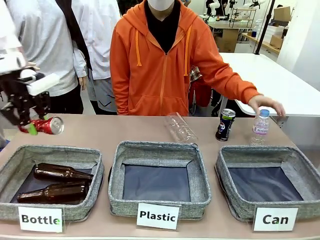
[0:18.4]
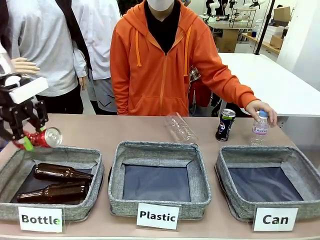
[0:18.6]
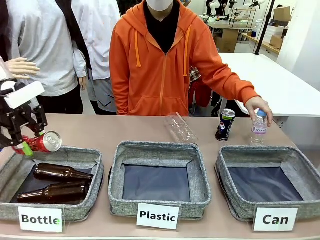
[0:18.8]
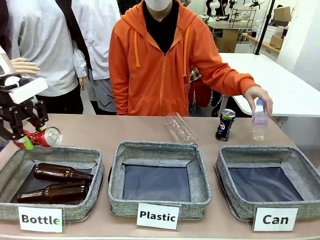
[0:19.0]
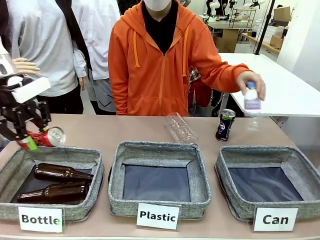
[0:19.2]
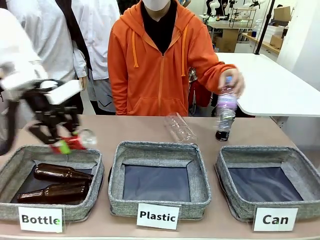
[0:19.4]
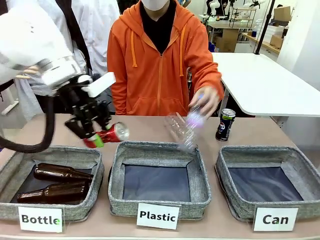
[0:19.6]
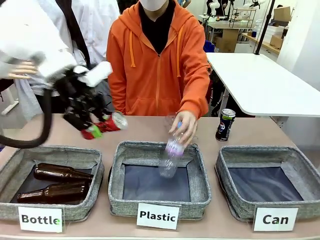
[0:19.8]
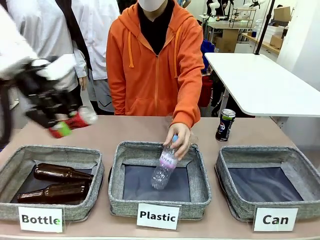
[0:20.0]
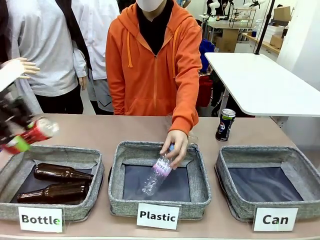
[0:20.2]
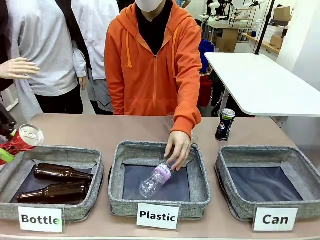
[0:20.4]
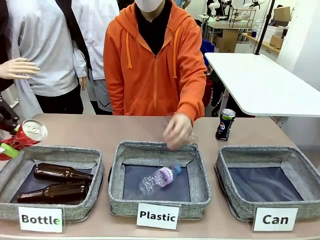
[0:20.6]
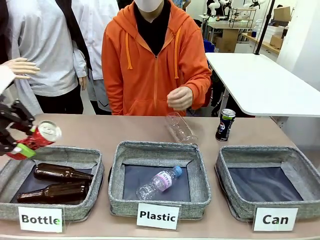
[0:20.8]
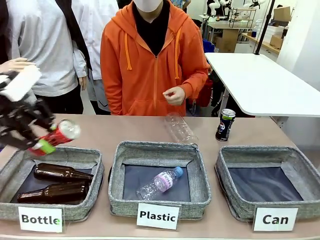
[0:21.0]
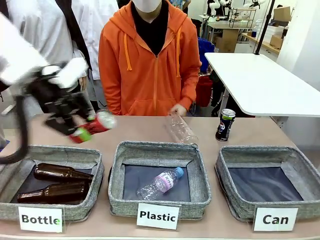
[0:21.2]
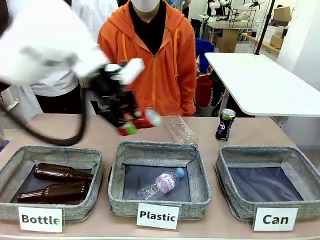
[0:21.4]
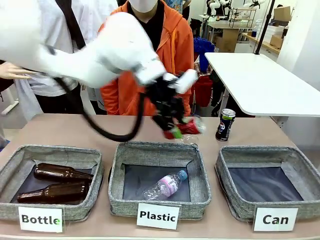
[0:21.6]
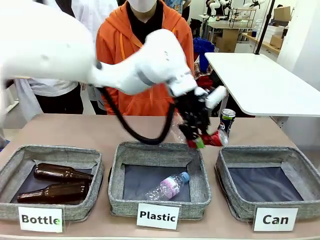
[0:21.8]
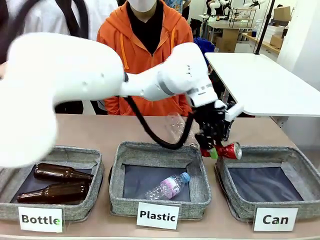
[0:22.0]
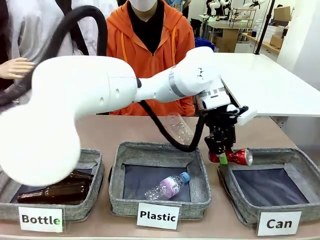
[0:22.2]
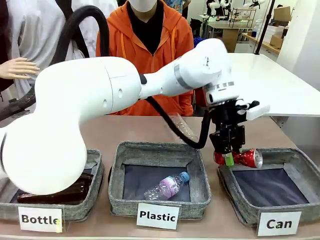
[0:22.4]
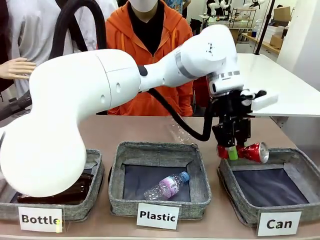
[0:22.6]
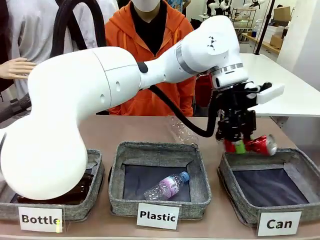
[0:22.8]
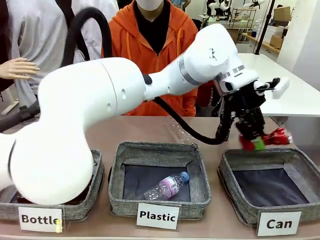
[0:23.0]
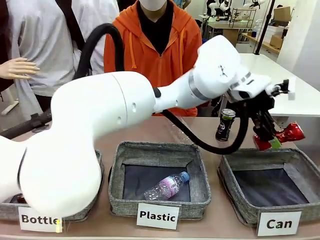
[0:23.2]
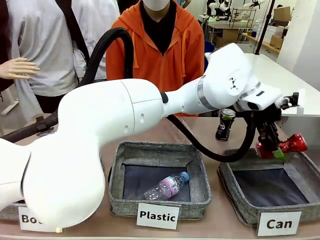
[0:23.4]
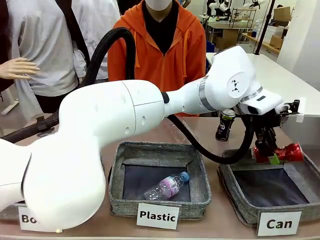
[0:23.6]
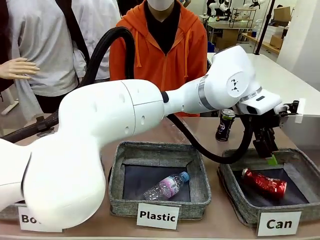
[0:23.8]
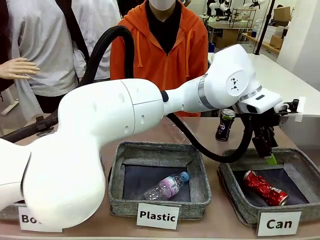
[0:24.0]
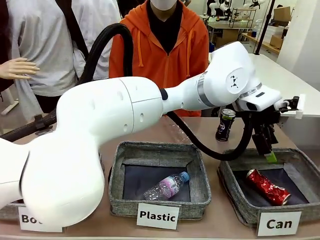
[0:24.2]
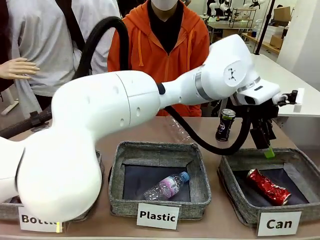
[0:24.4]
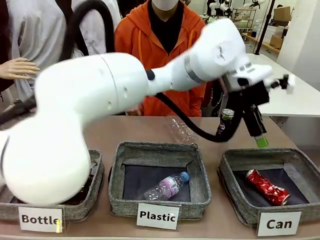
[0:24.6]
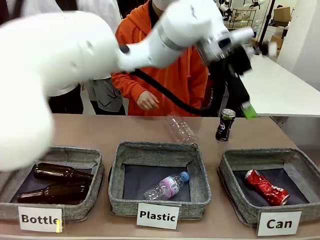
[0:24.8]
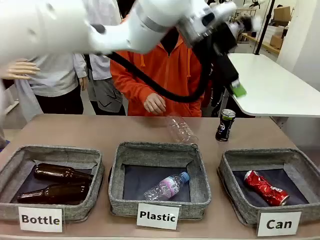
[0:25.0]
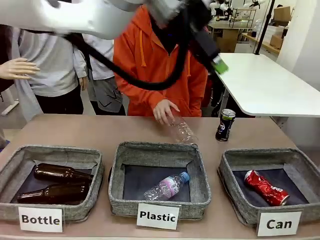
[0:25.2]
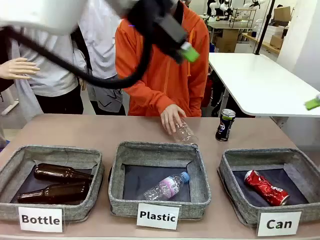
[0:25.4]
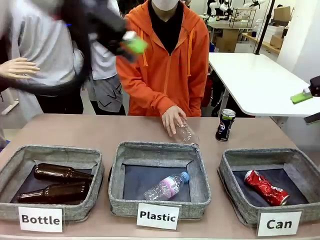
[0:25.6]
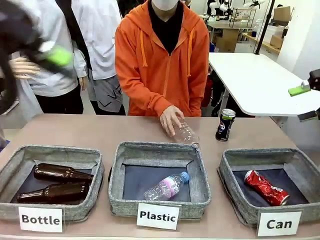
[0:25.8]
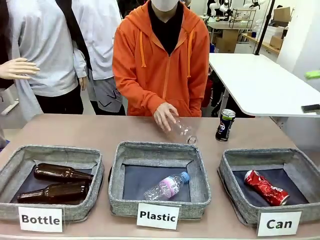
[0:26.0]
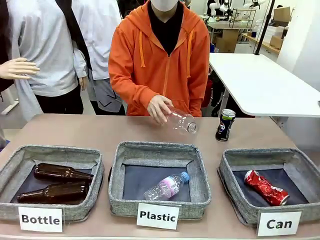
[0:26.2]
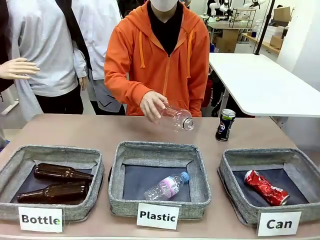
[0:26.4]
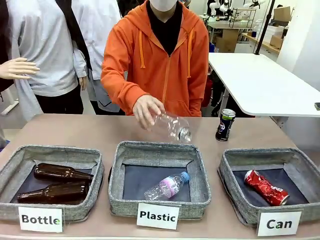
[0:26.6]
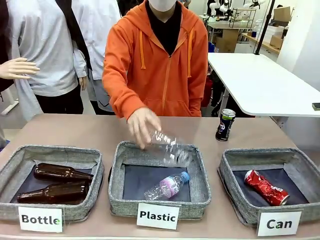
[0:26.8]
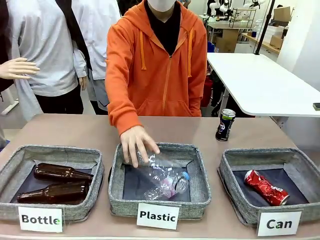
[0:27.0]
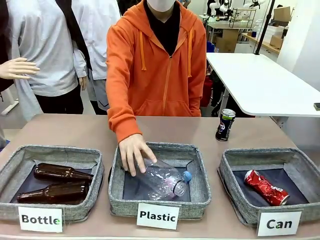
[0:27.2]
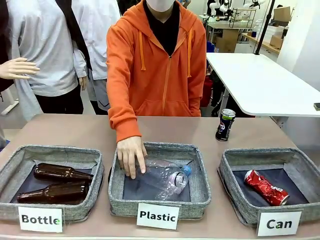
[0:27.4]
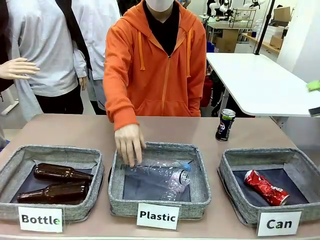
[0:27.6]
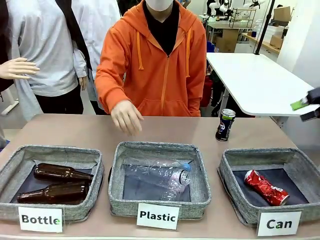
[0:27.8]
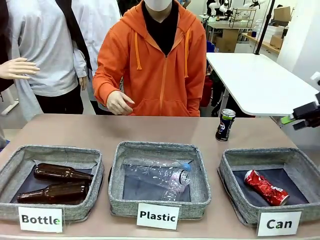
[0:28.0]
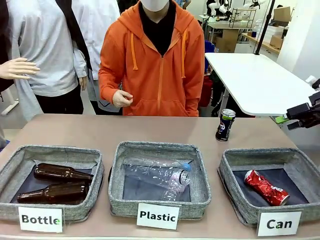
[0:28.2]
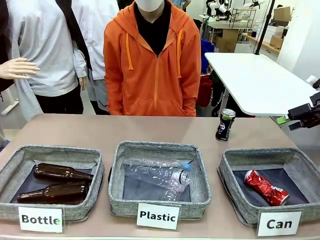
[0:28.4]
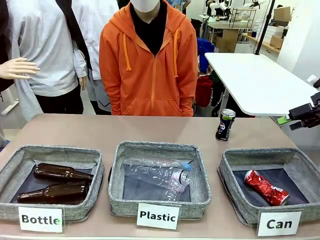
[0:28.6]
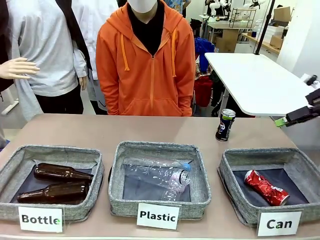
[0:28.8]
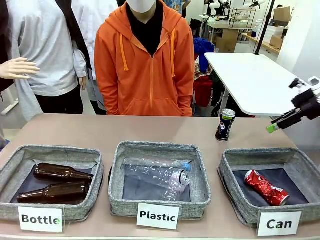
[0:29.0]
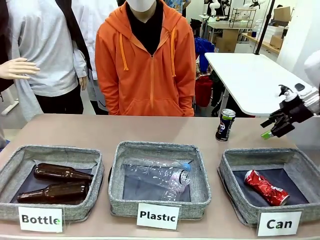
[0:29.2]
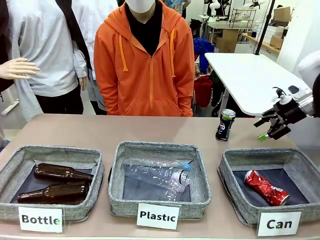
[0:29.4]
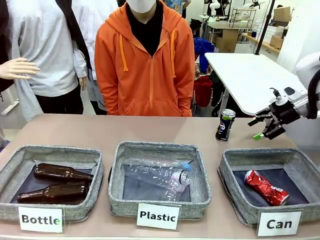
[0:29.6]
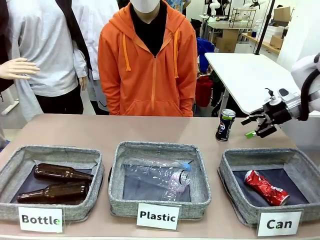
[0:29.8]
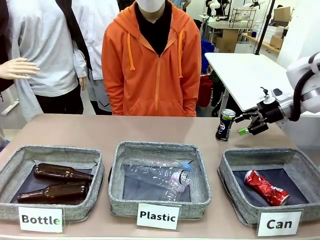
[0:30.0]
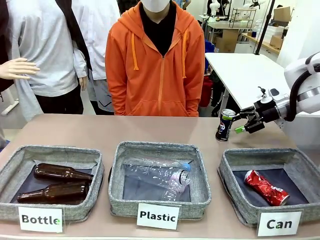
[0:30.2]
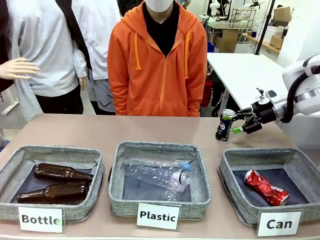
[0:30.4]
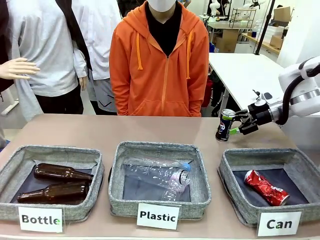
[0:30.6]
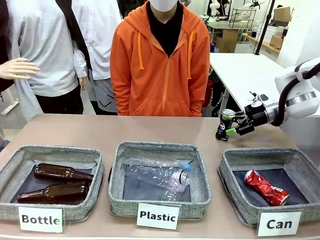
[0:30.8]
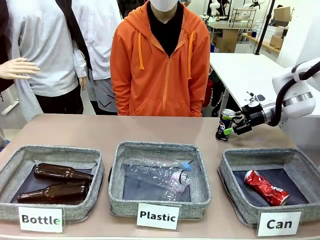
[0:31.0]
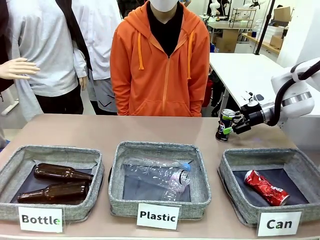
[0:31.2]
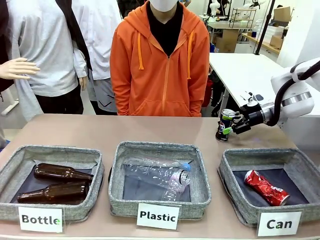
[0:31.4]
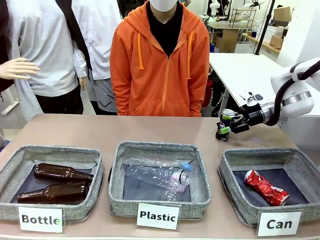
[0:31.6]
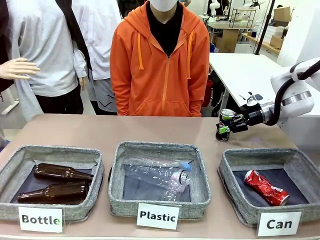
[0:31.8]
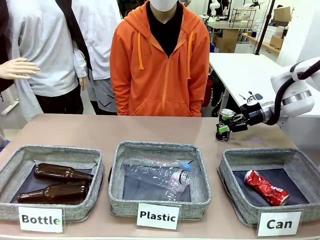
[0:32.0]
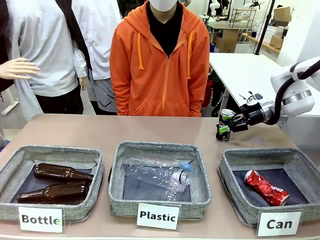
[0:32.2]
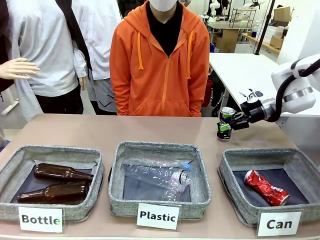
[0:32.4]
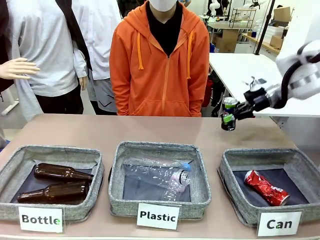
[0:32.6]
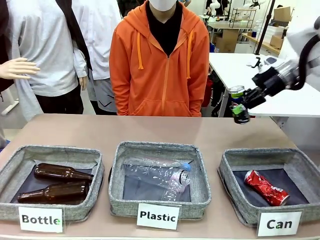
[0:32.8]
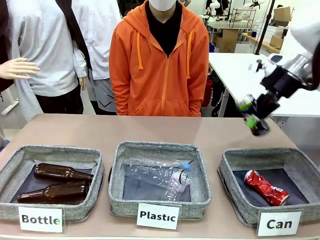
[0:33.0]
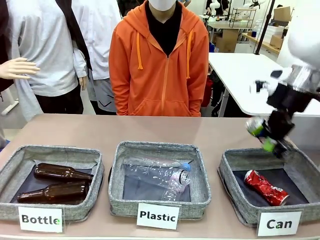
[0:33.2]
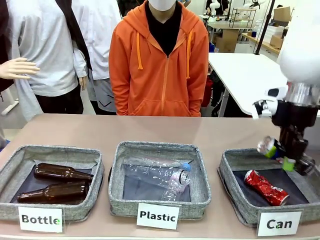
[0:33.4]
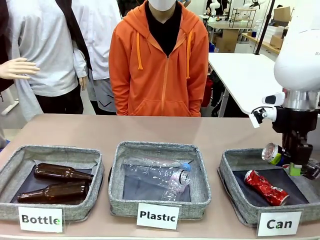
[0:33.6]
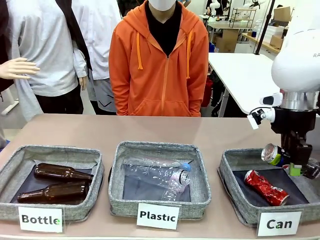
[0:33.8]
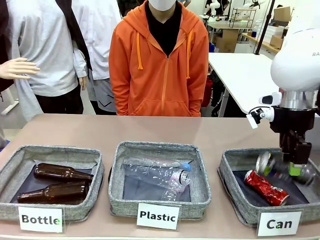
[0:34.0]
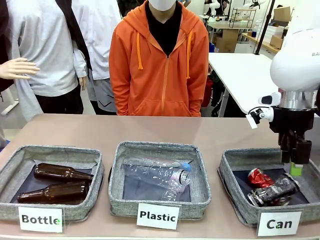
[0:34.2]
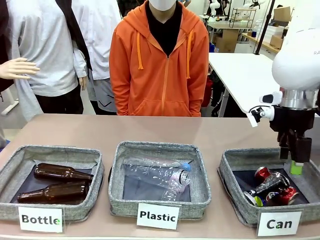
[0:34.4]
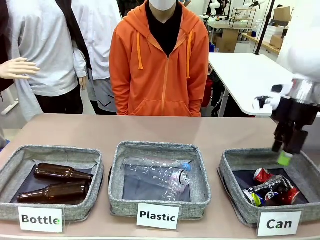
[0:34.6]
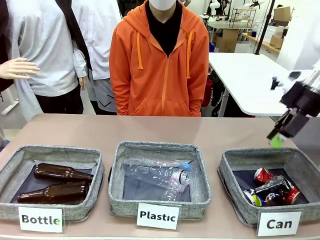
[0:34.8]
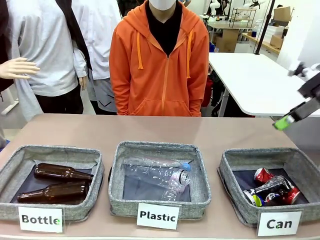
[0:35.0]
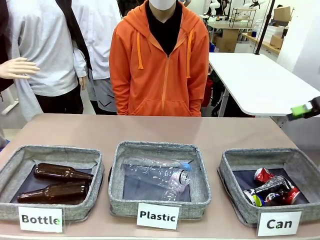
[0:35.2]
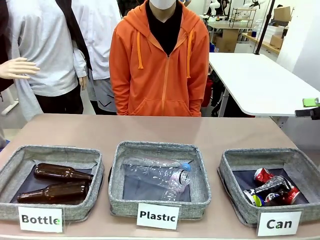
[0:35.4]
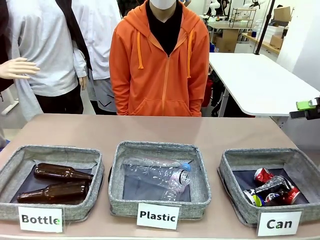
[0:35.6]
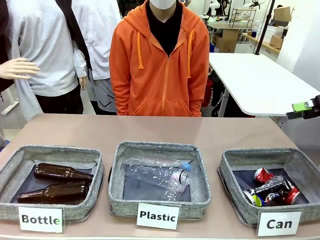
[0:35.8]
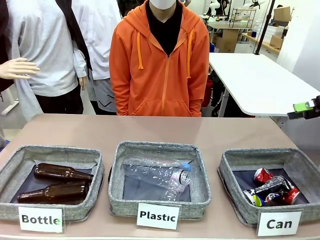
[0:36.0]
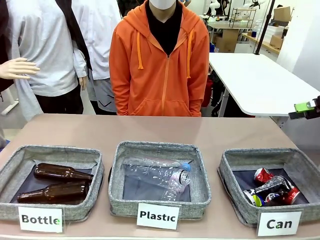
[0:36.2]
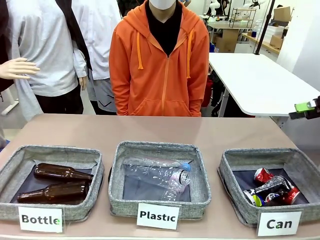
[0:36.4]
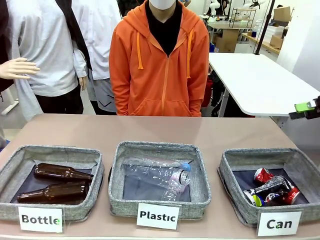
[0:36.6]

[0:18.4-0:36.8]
Task: Sort the can waste into the basket.
Robot: Pick up the can waste from the table and place it in the right Fabric basket.
